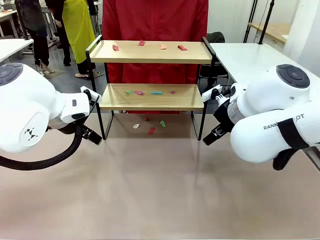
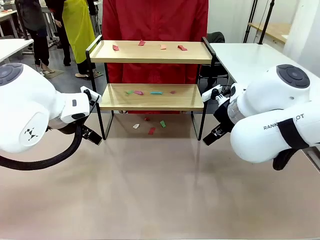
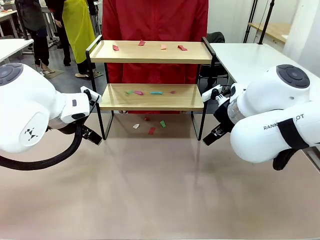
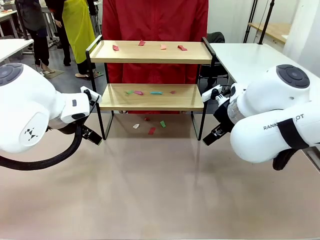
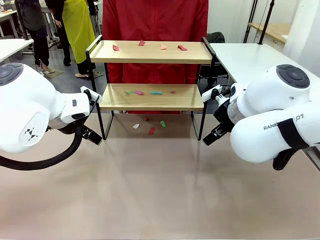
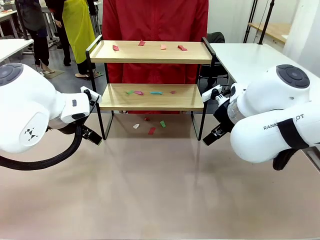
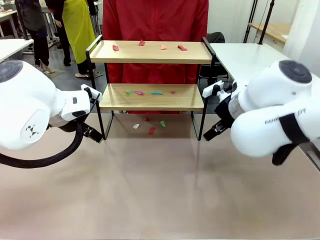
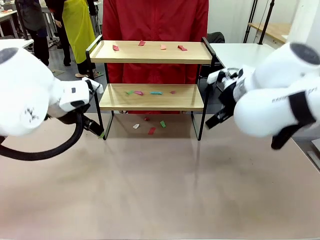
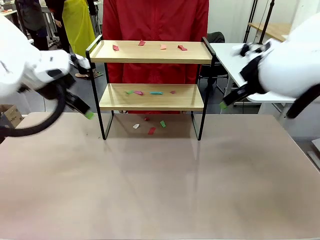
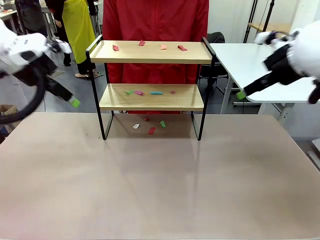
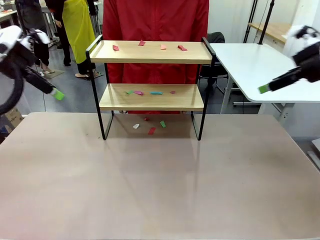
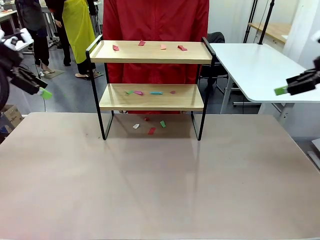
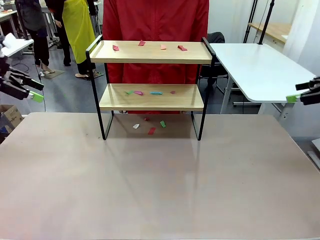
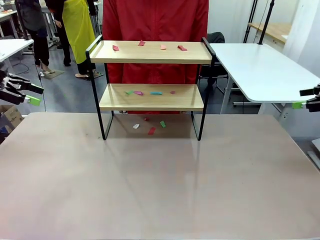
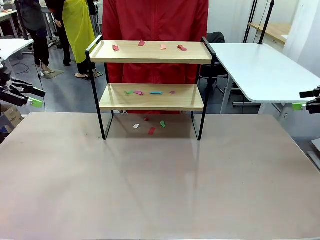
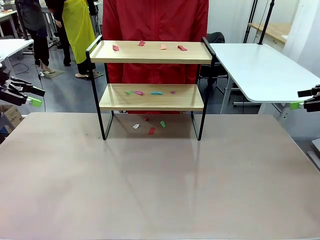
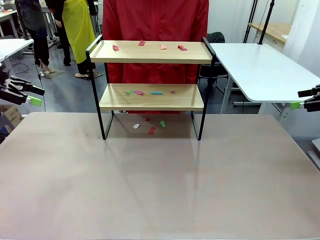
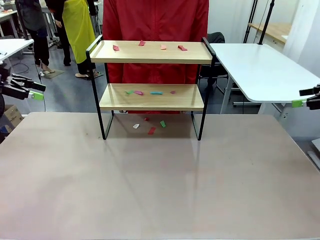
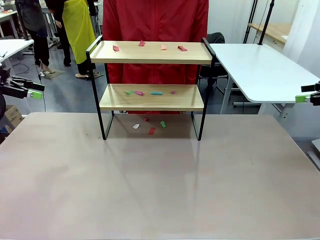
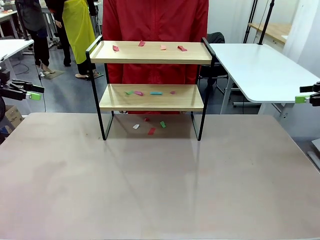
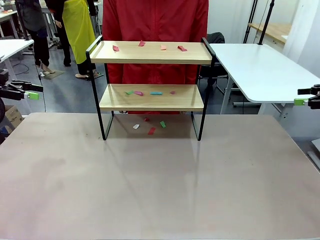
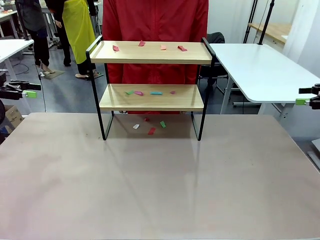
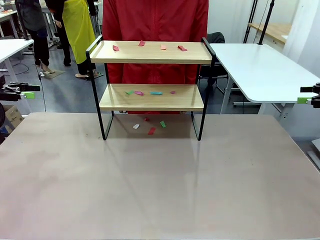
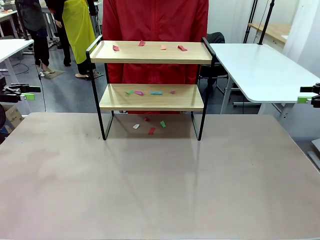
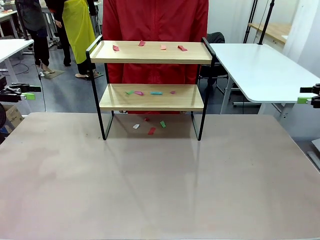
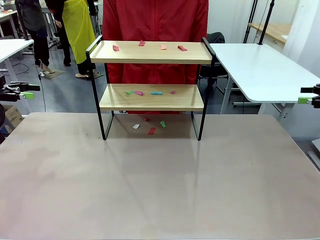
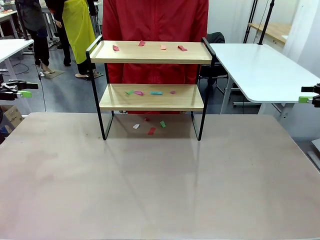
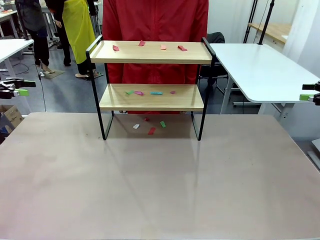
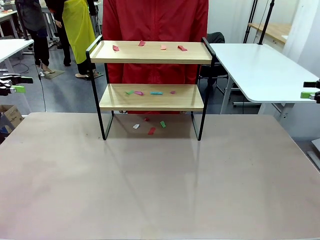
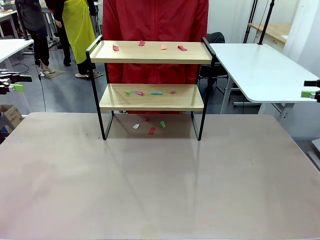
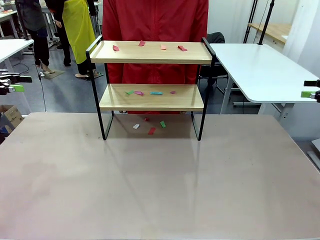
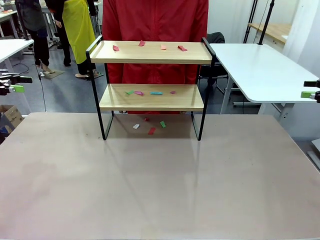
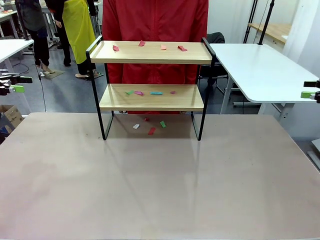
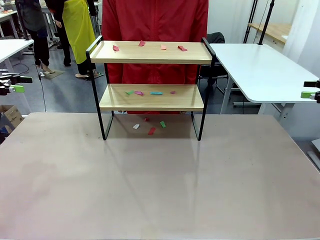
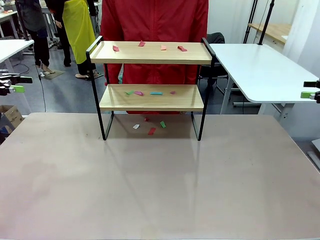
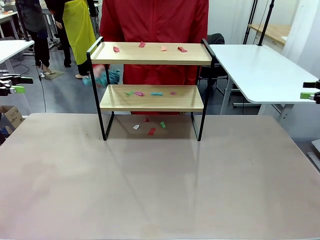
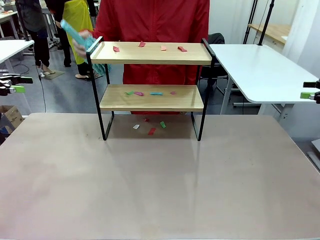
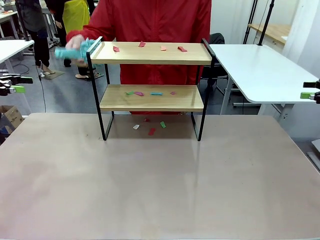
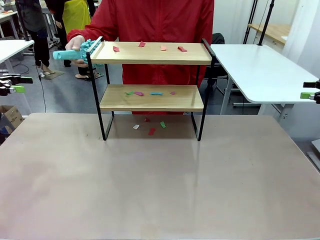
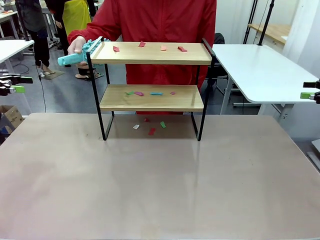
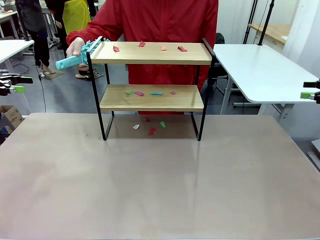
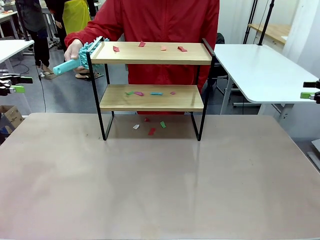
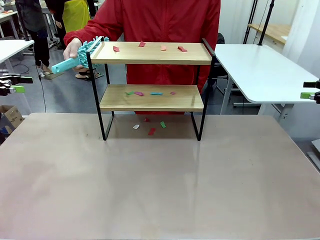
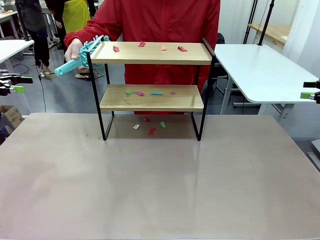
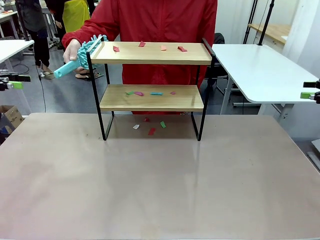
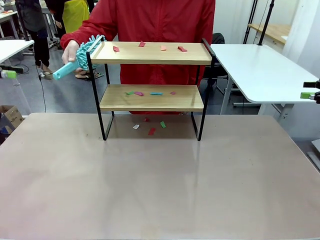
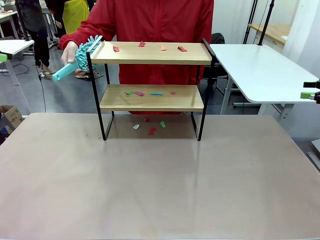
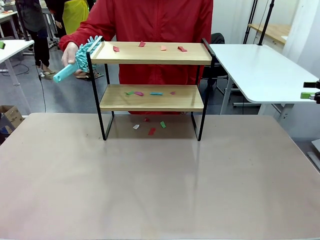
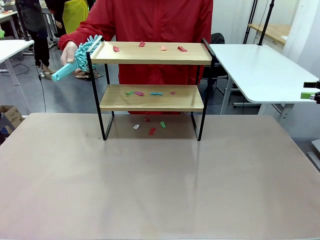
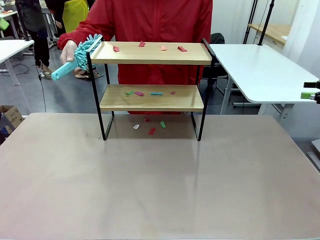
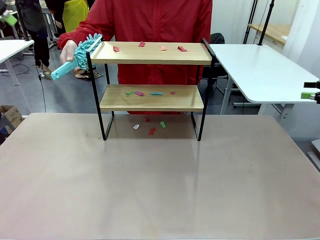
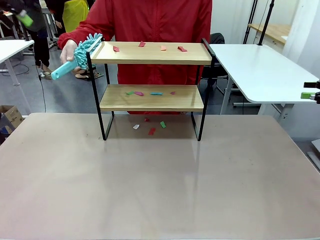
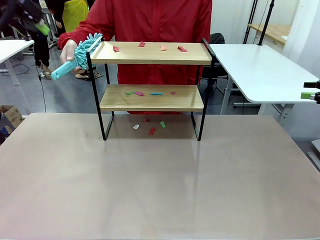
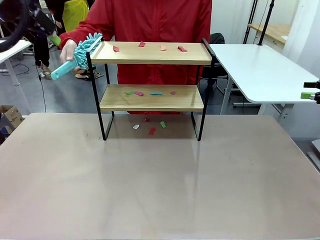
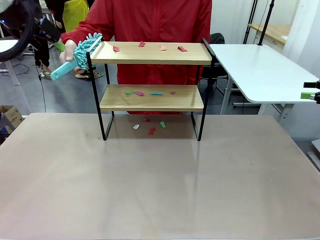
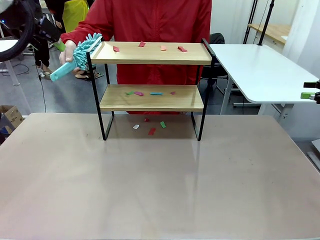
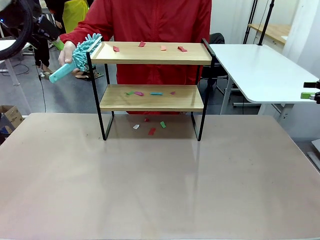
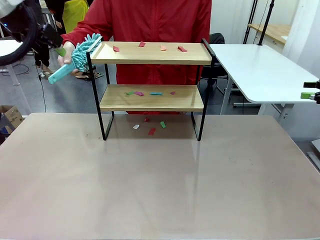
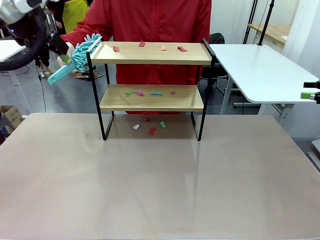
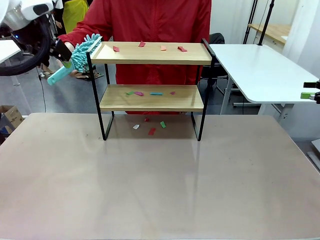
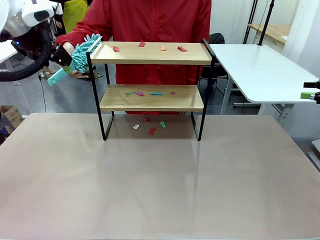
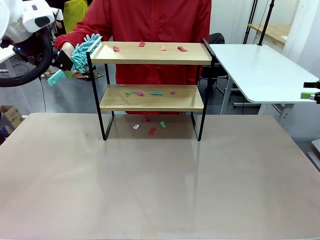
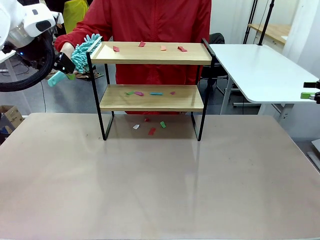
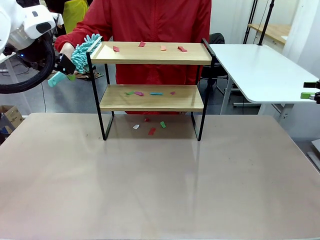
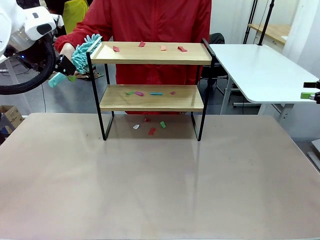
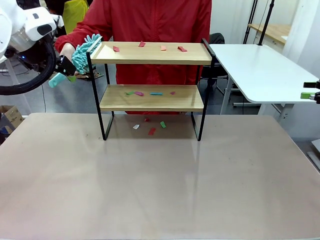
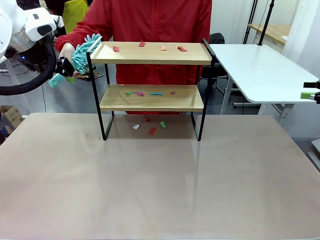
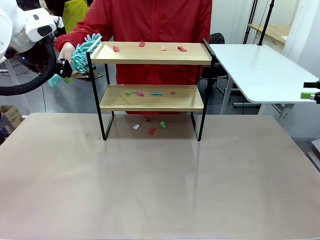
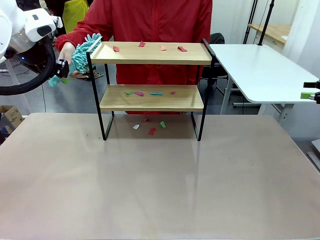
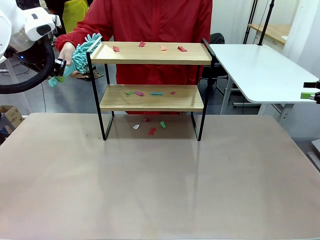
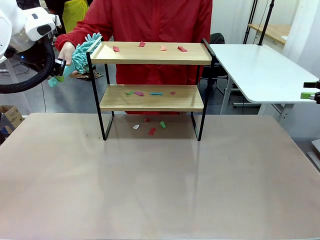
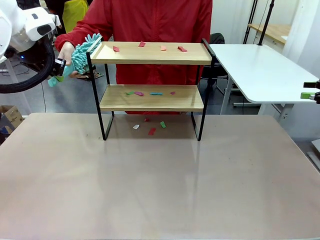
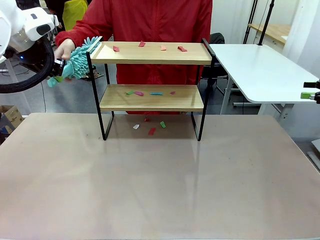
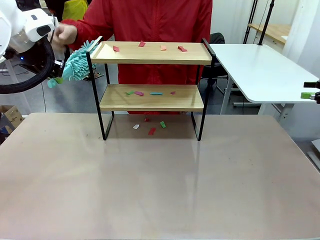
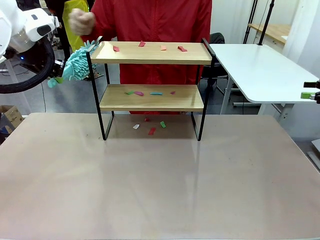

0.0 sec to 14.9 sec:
Task: Clean the shelf.
Robot: Pick up the Duster handed by the human.
Person: Hand the Duster to the robot.
